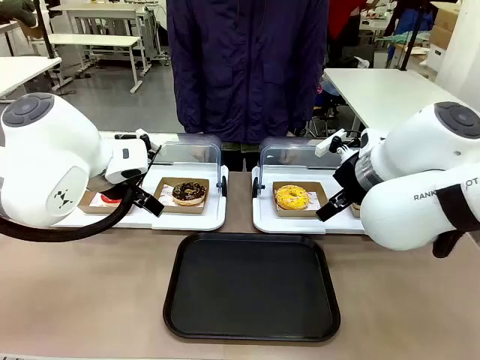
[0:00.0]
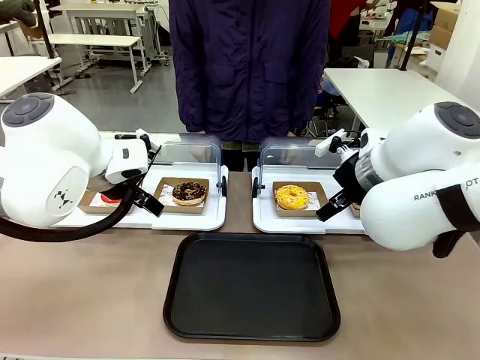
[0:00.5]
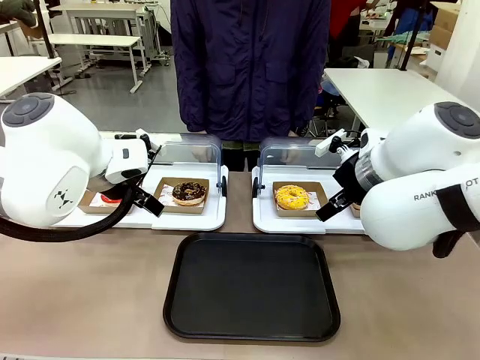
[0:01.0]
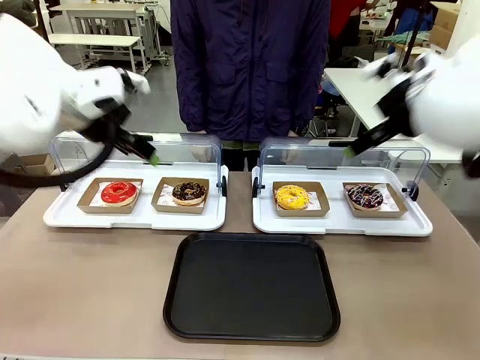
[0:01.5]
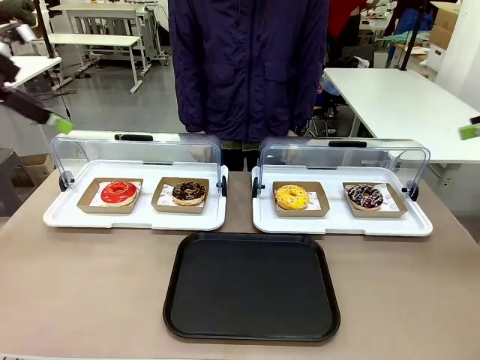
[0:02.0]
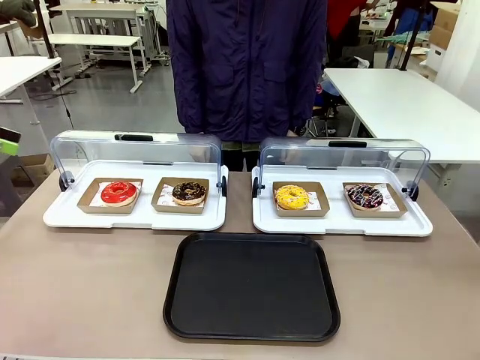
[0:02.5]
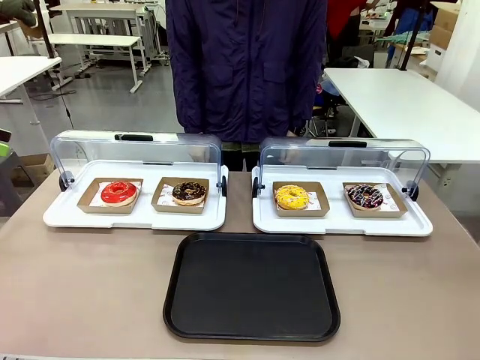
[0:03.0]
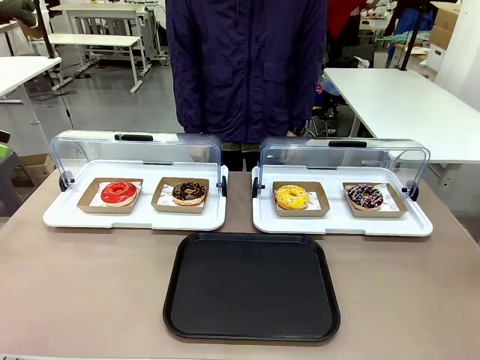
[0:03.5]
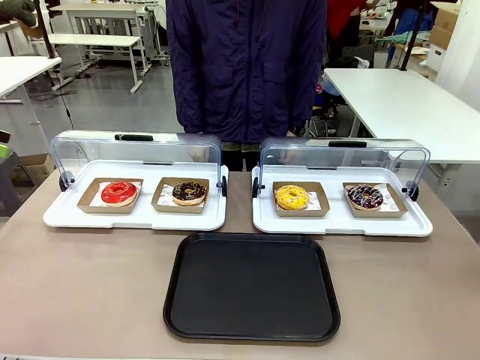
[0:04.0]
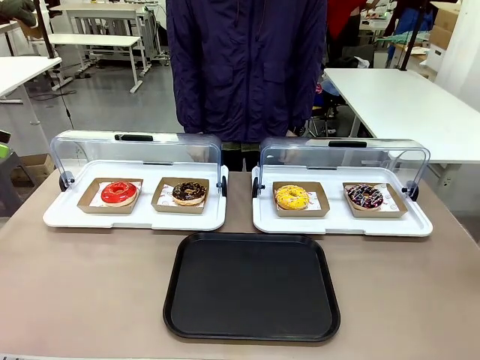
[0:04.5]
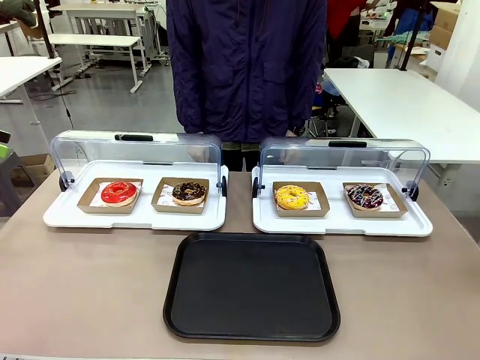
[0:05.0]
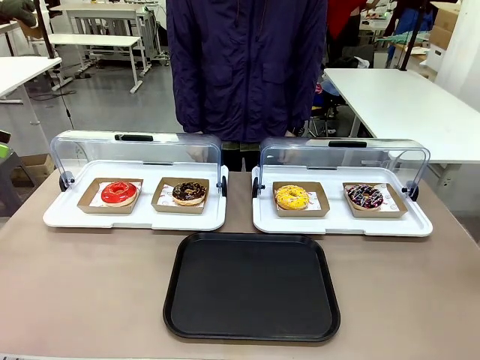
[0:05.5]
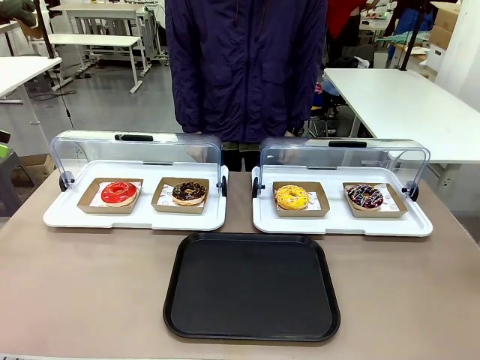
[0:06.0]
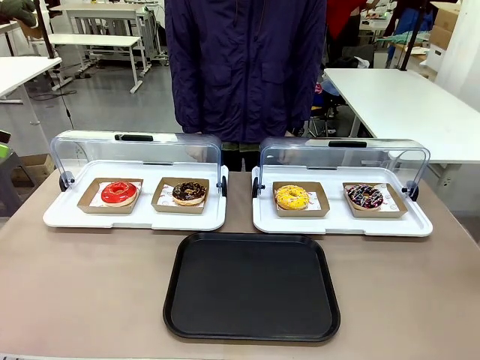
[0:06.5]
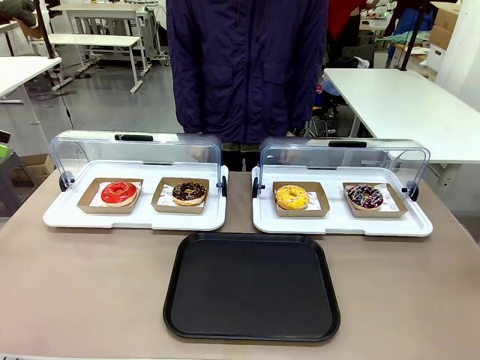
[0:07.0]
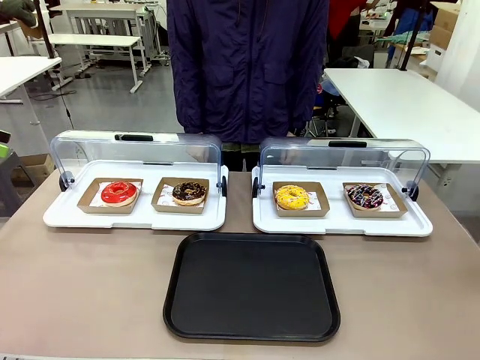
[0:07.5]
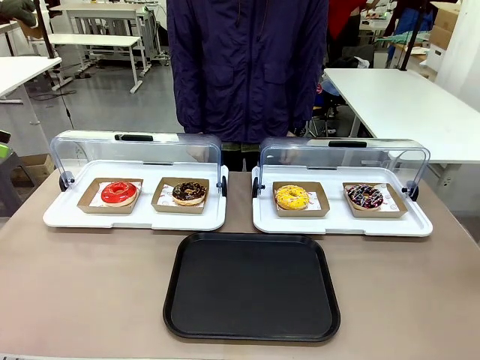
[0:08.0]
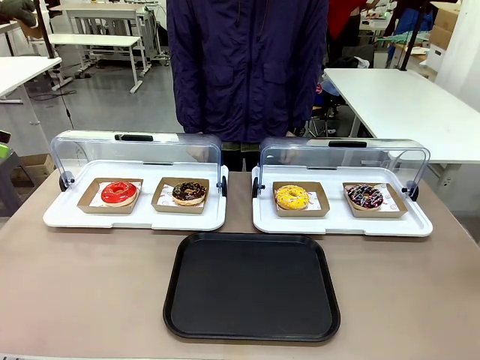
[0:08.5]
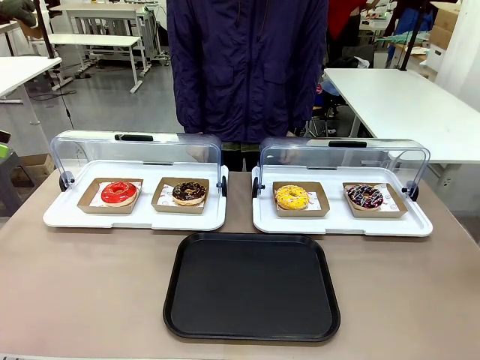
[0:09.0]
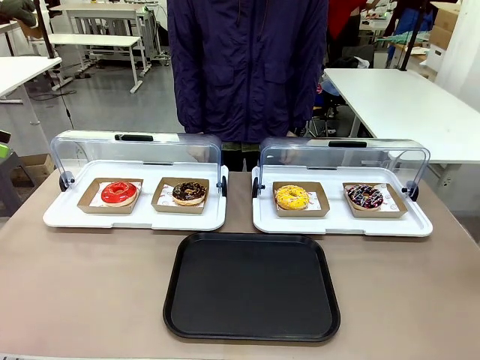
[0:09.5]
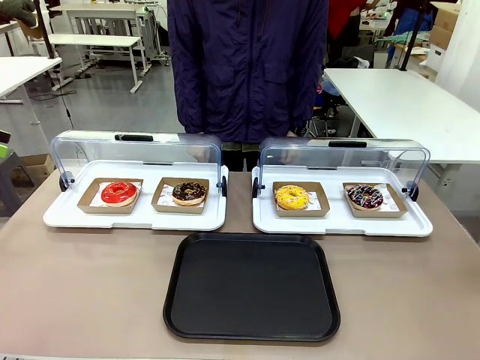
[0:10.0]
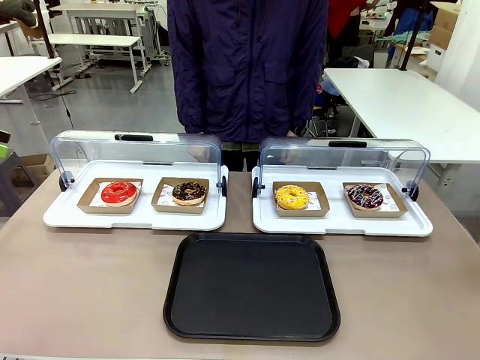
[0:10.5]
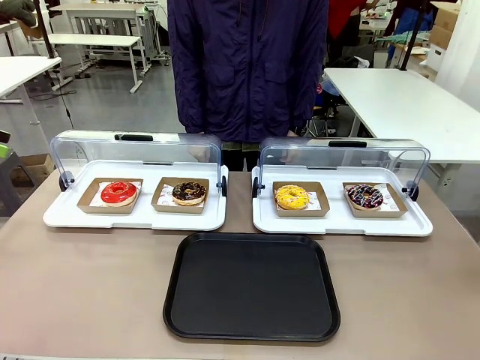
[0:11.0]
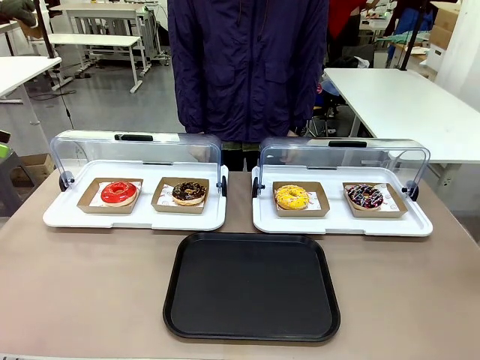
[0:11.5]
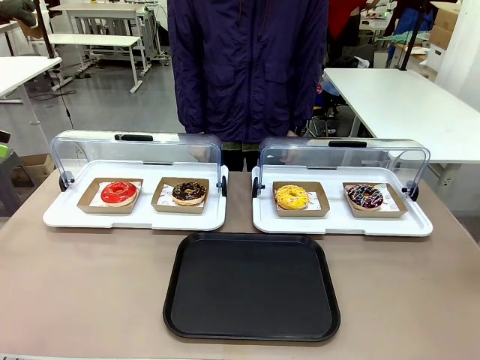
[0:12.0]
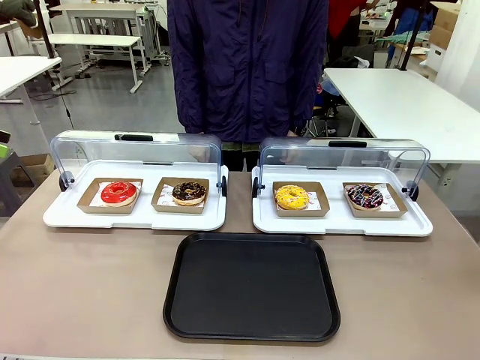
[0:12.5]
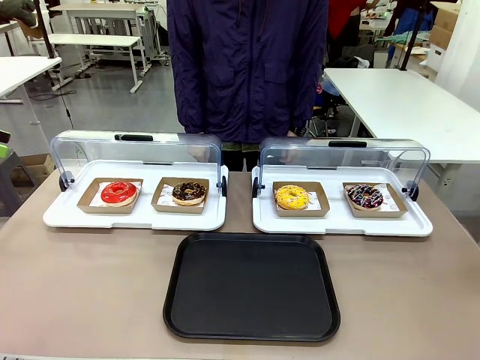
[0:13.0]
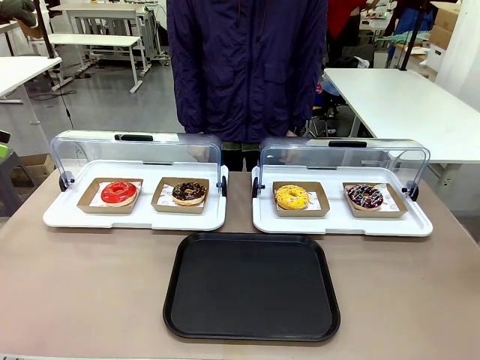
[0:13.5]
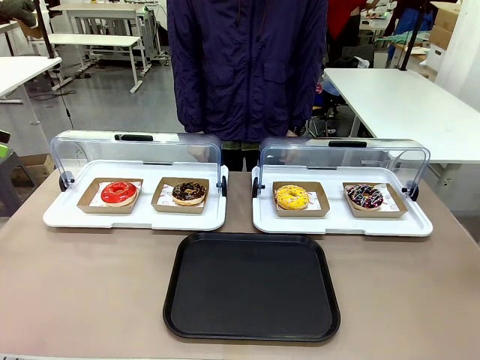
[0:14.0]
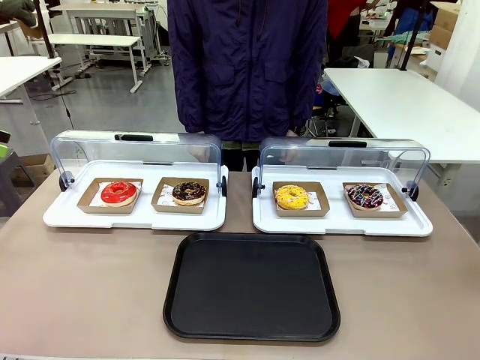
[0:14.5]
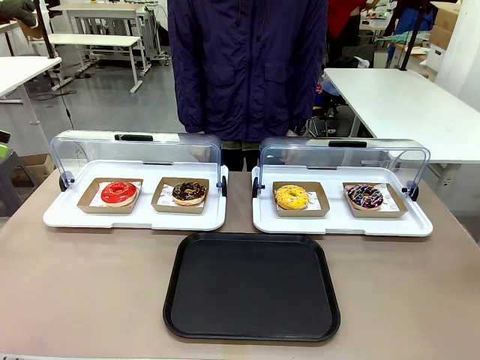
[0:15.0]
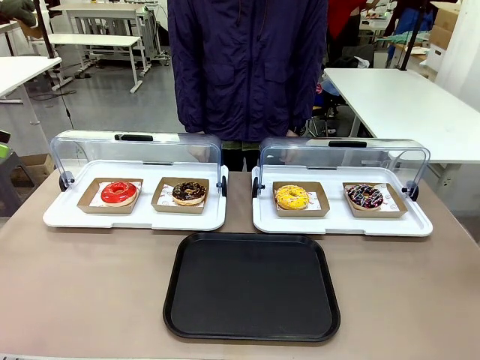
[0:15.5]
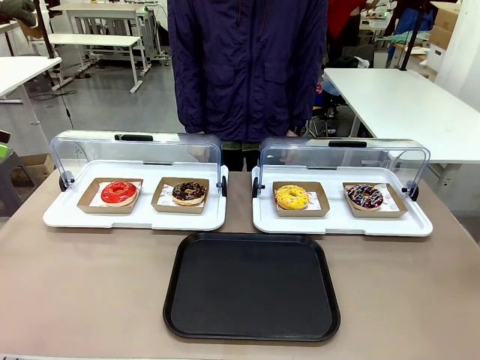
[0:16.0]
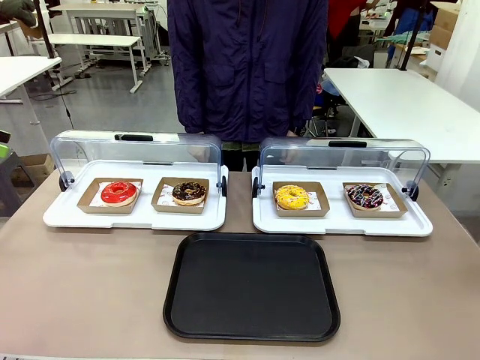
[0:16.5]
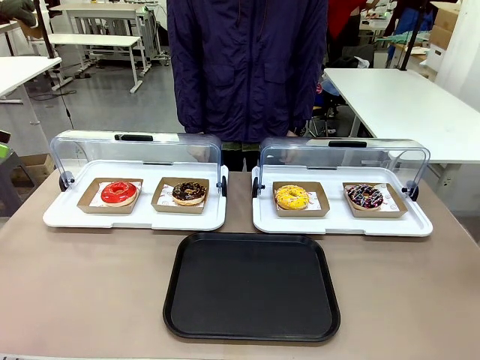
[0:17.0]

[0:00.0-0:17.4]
Task: Move the second donut from the left to the tray.
Robot: Pick up the Paper togo box containing the Donut indicated by the person and place it on the Handle tray.
